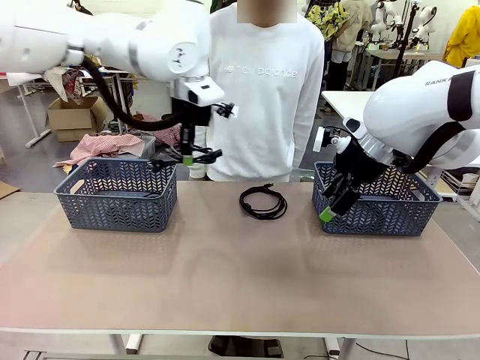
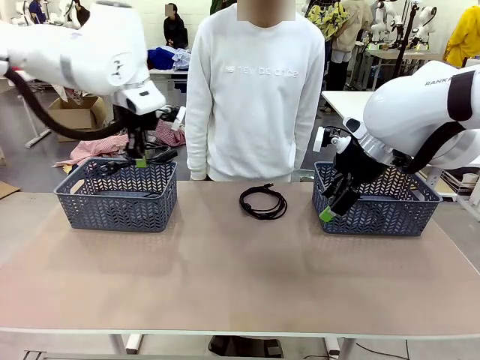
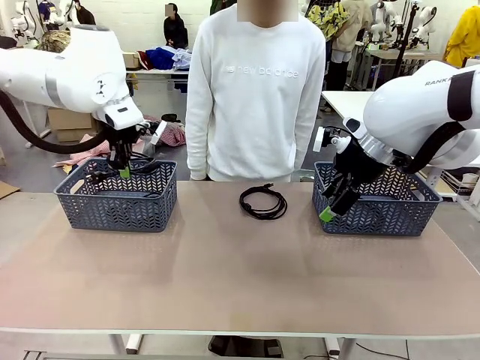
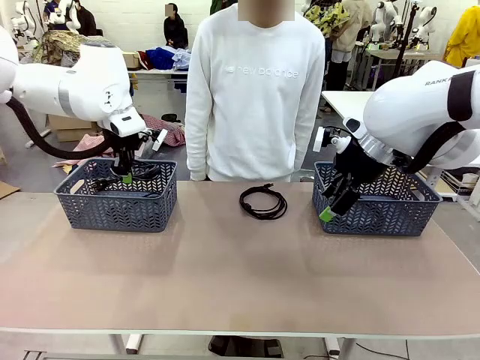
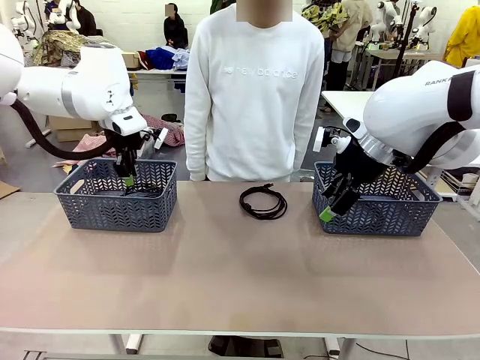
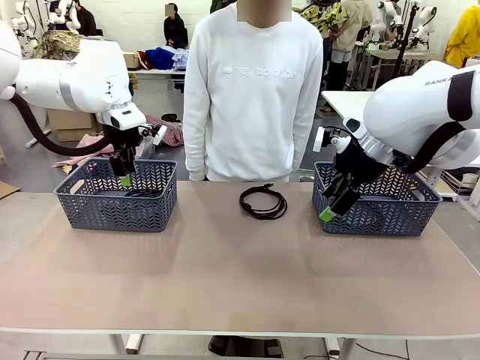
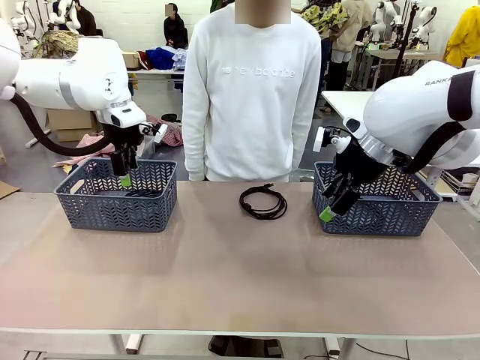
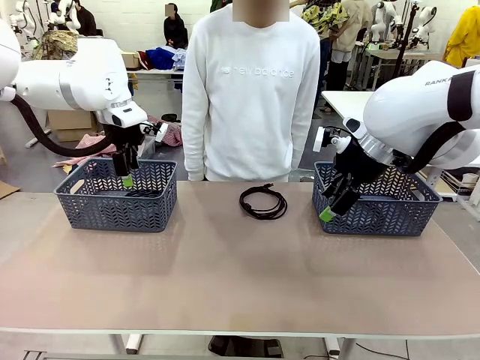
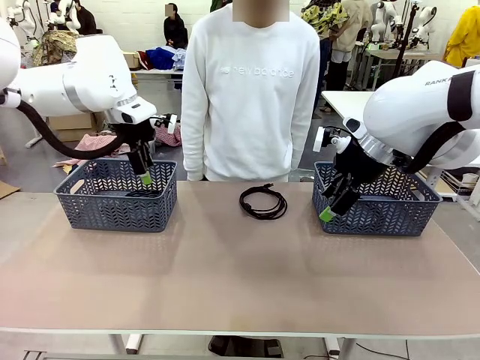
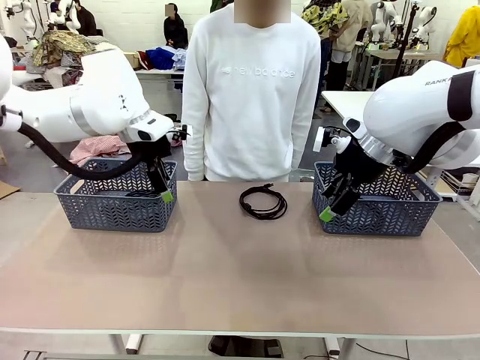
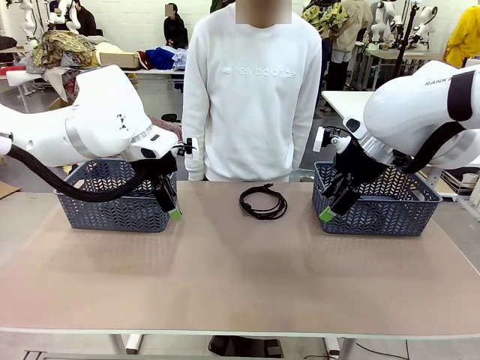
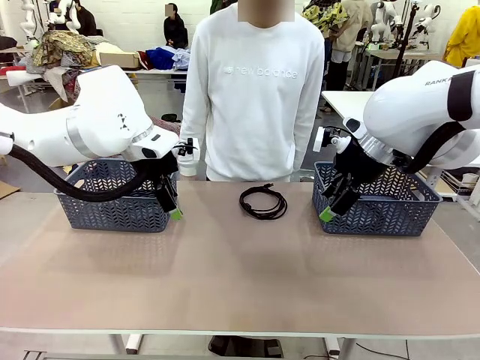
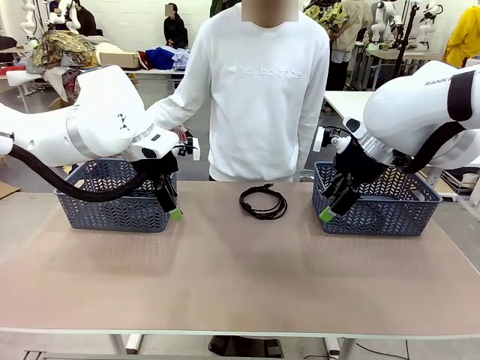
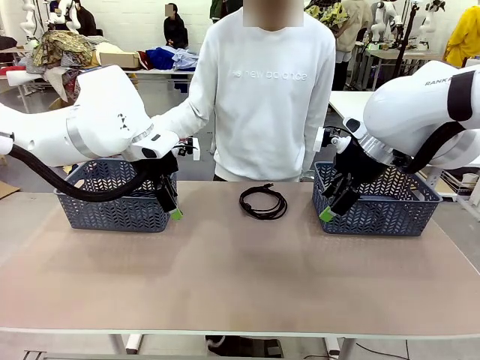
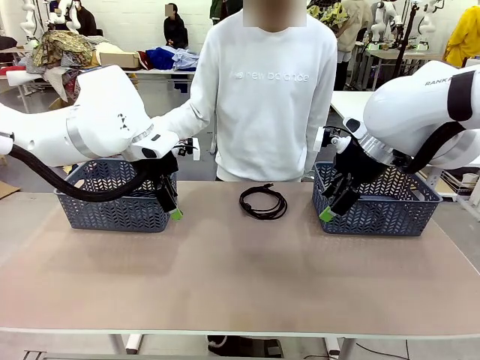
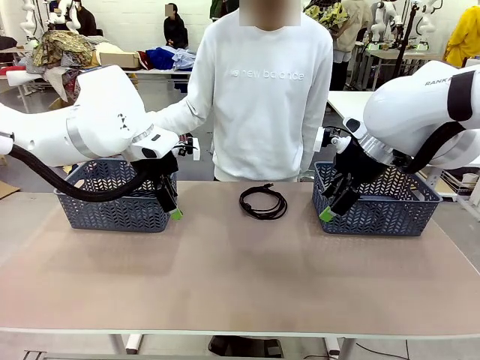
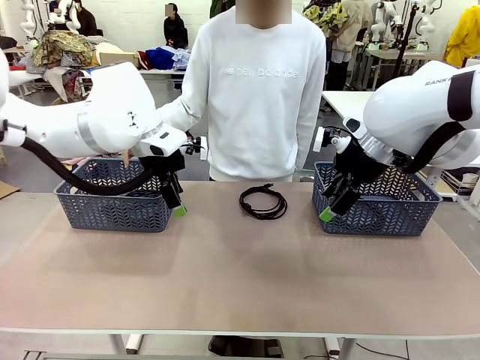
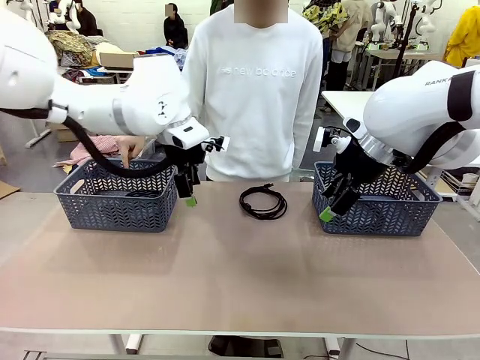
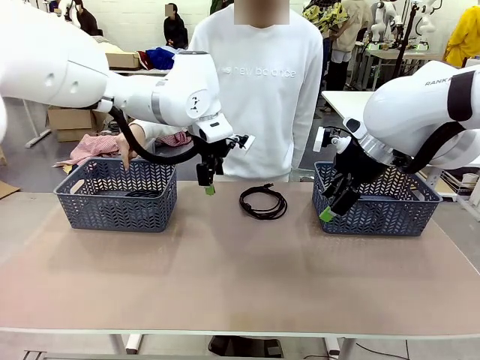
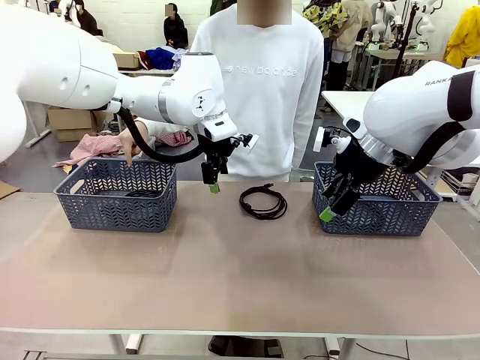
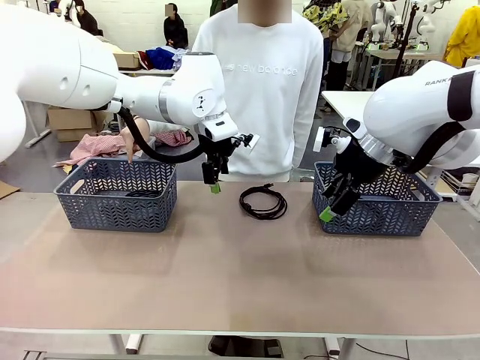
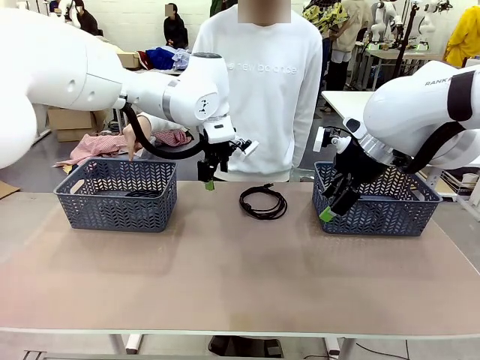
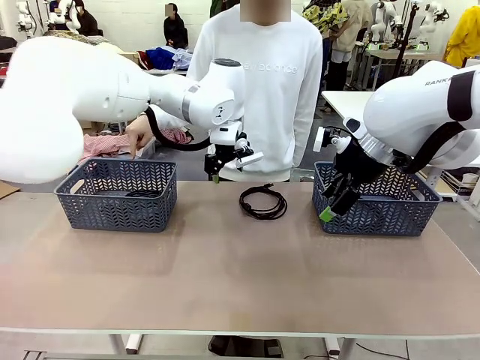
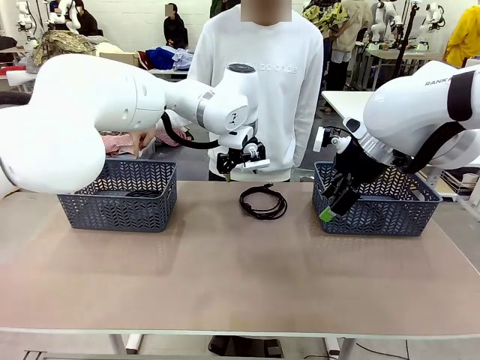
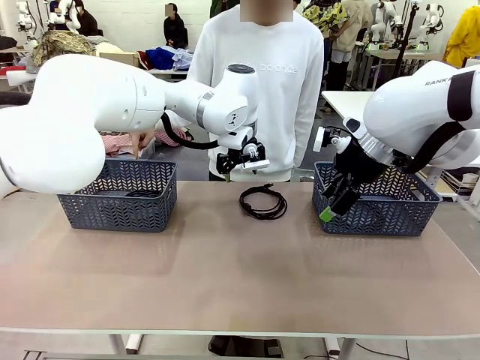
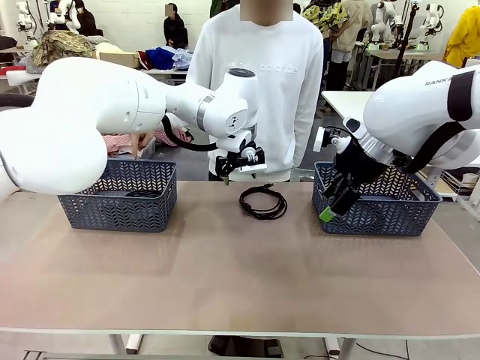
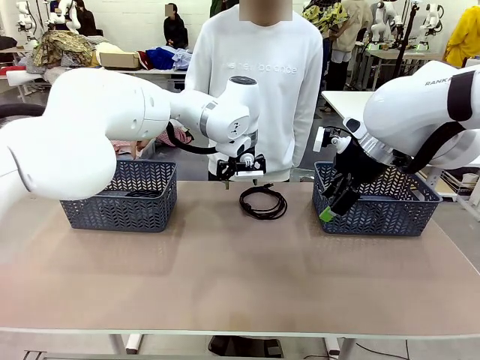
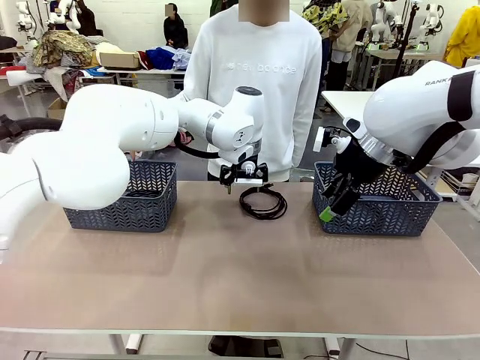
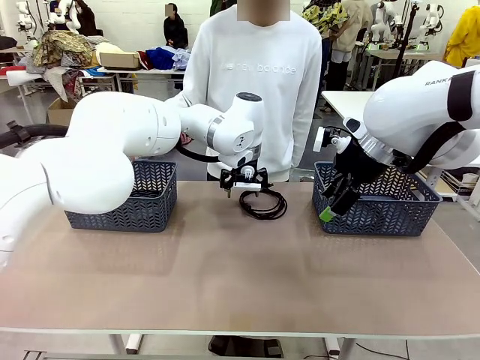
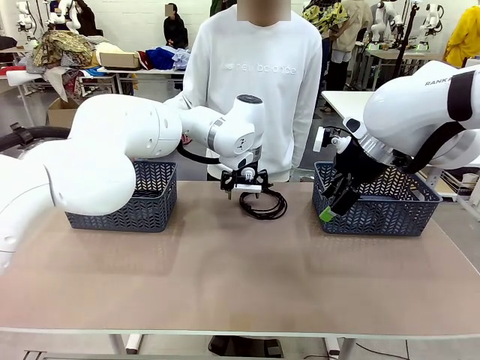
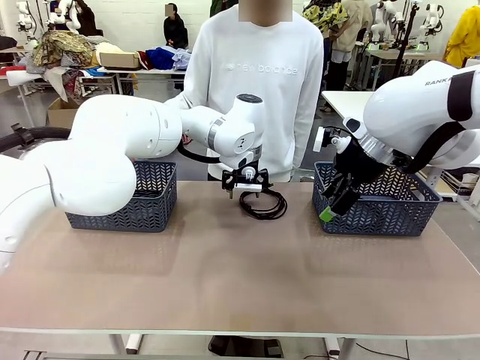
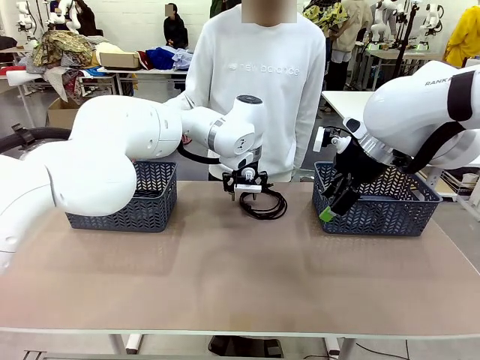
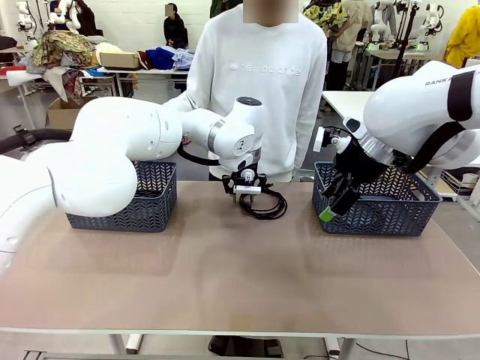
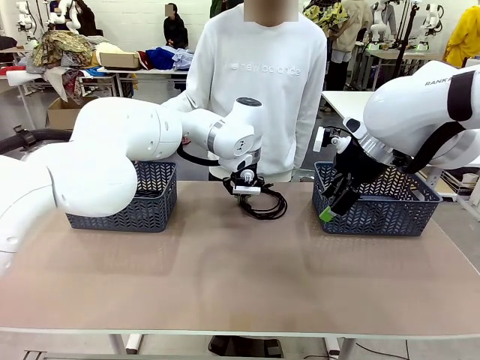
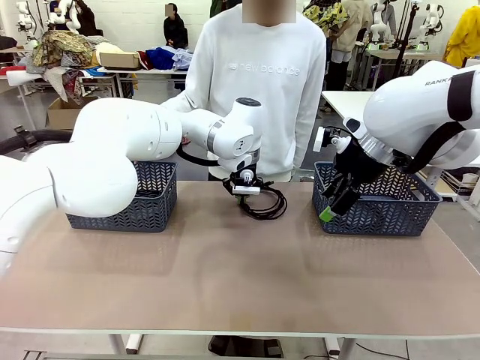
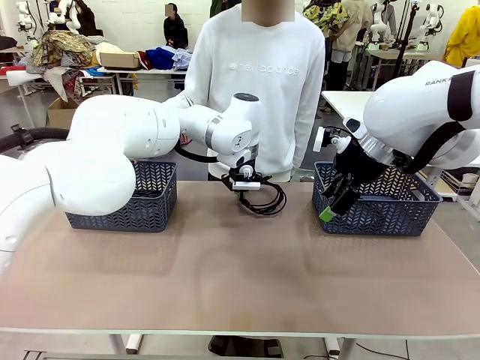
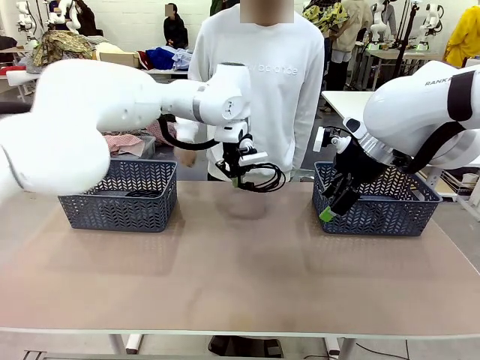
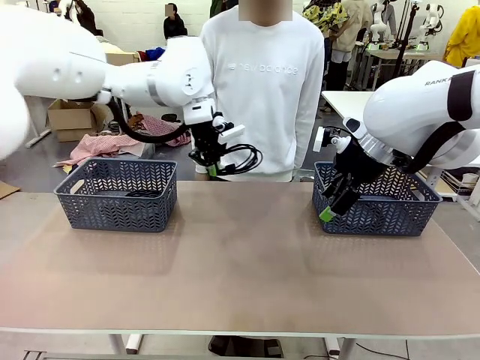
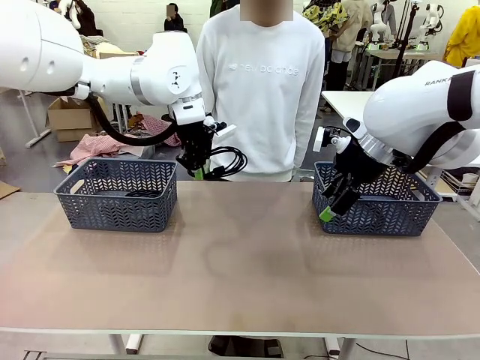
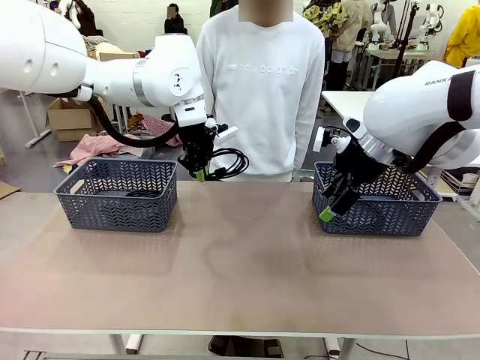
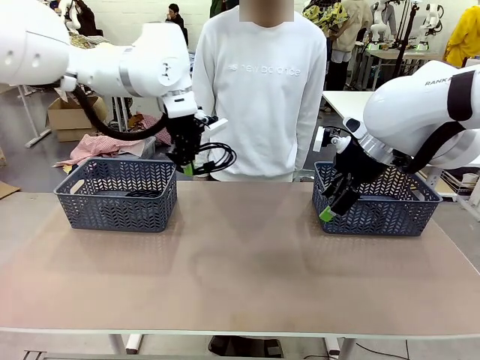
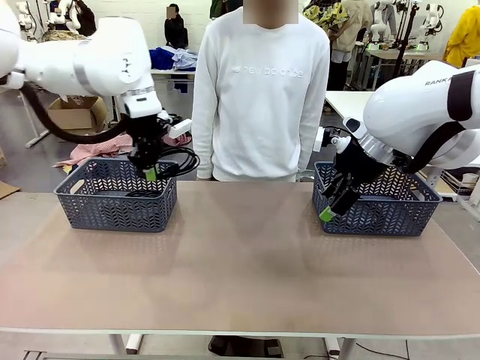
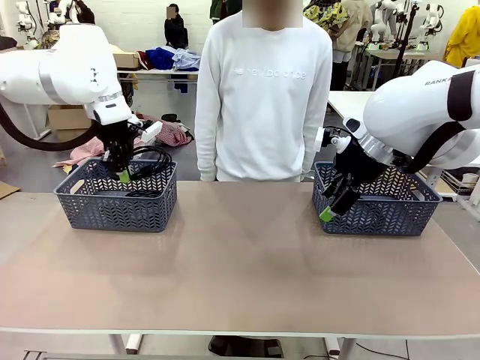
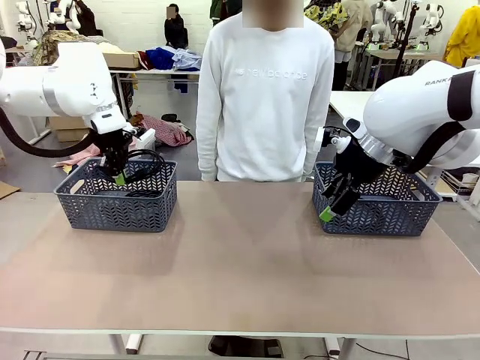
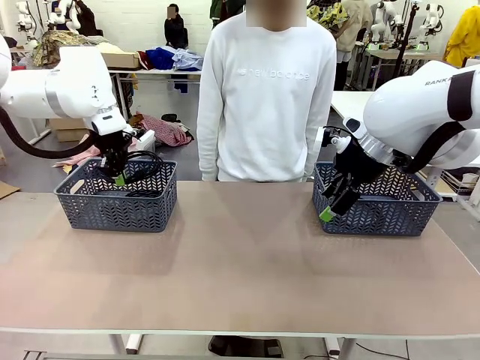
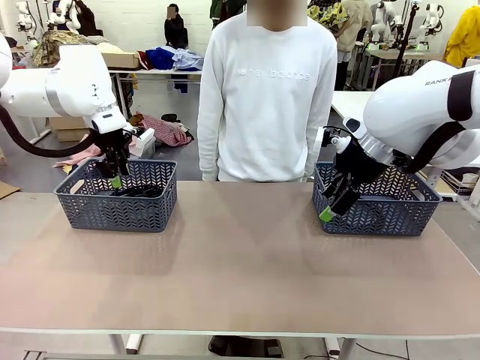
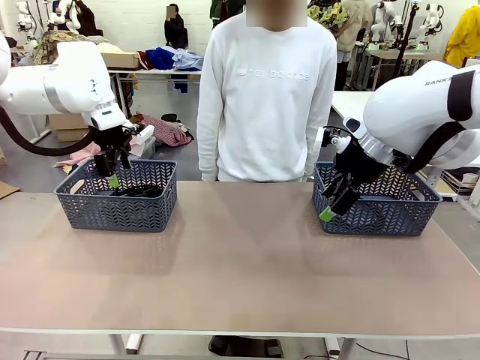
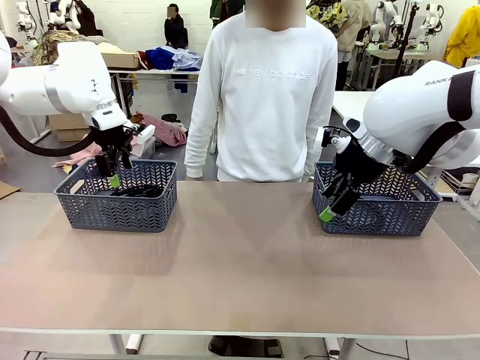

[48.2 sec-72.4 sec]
Task: Organize the cables according to human instructions.
Robot: Pick up a bundle of cables and place it in the basket indicated by the human.
